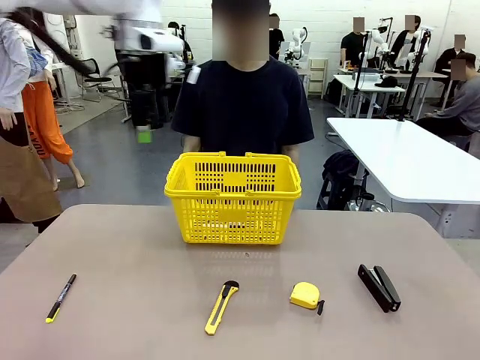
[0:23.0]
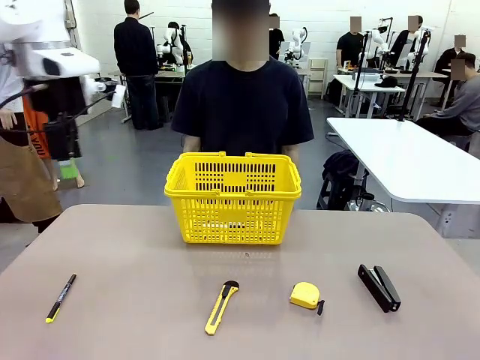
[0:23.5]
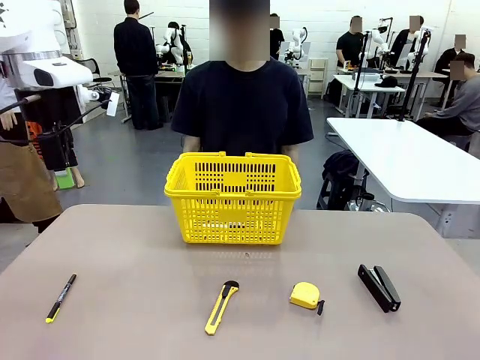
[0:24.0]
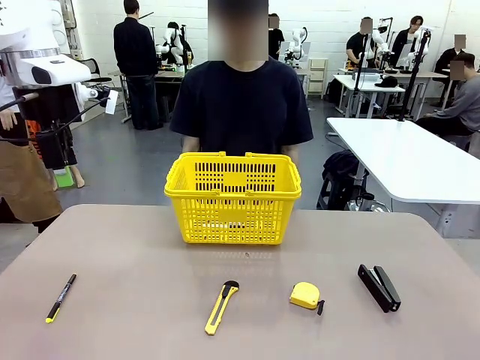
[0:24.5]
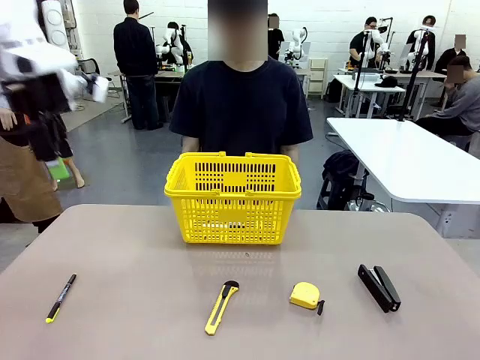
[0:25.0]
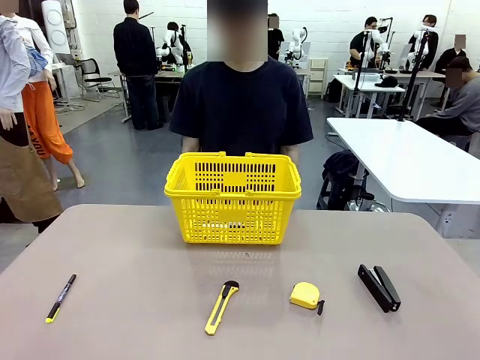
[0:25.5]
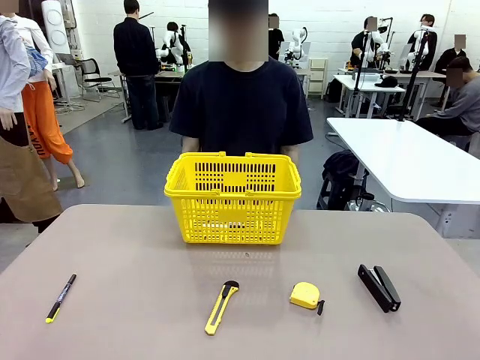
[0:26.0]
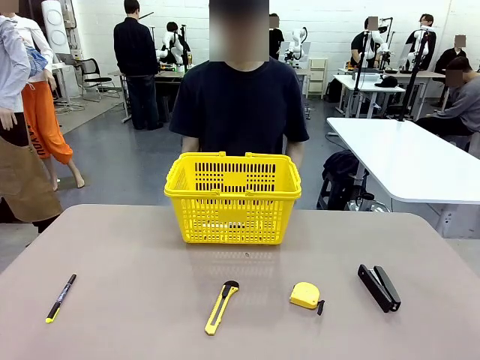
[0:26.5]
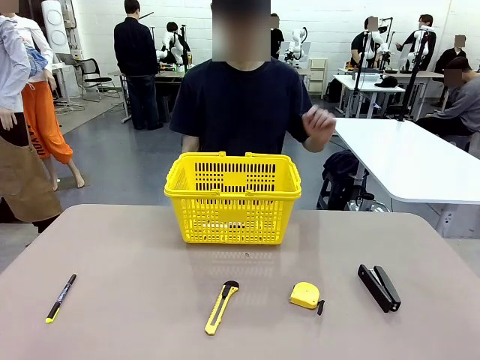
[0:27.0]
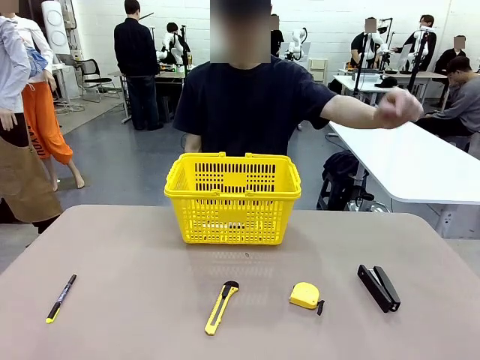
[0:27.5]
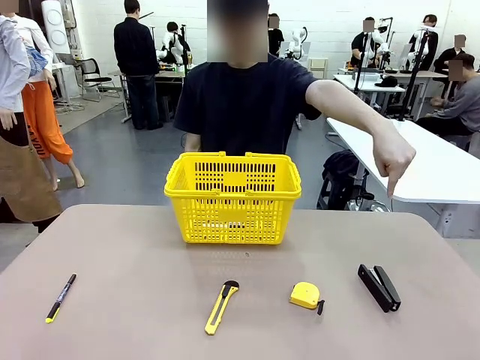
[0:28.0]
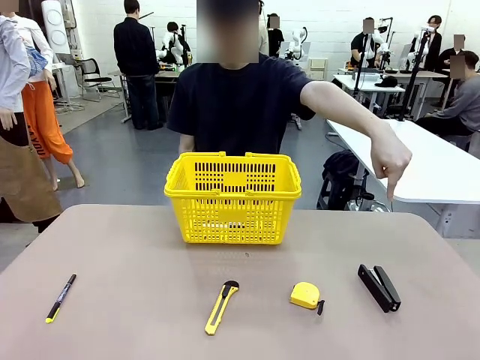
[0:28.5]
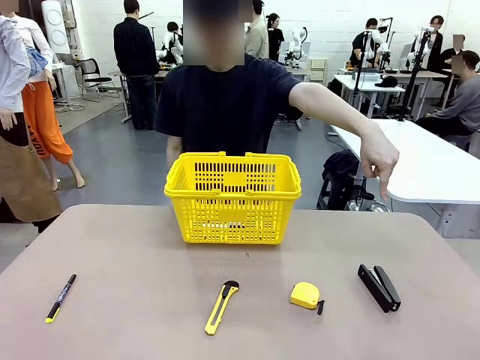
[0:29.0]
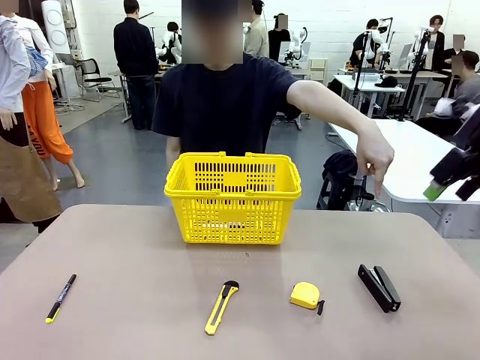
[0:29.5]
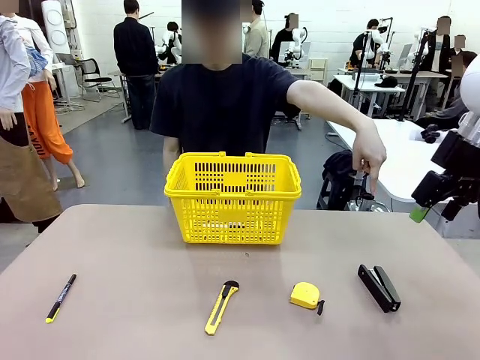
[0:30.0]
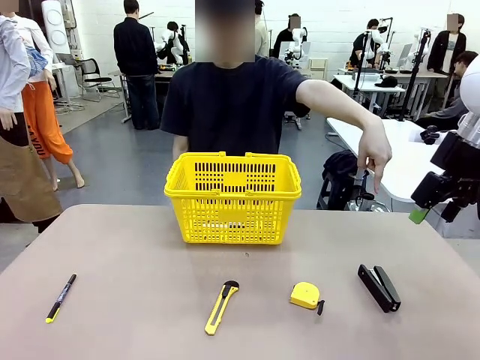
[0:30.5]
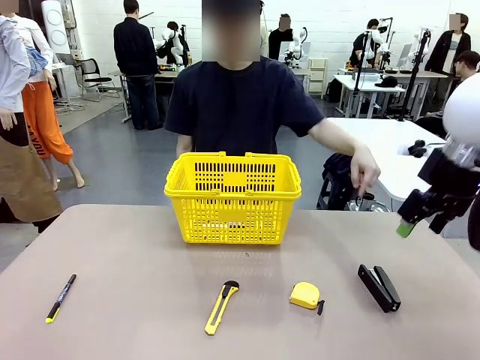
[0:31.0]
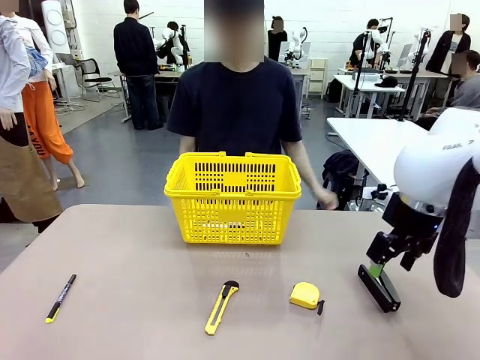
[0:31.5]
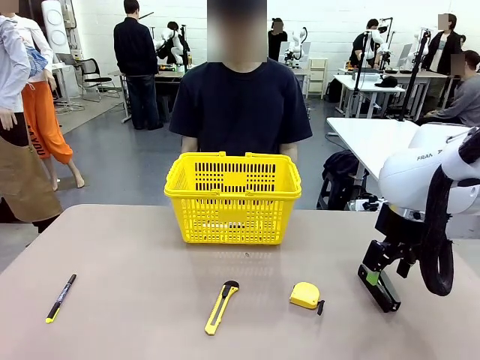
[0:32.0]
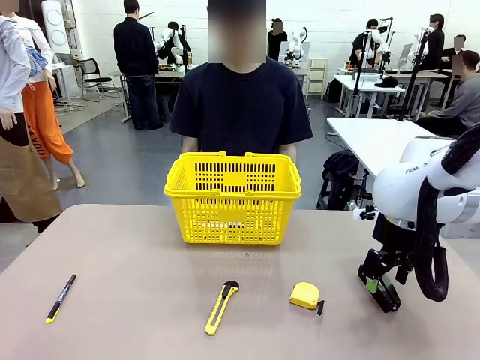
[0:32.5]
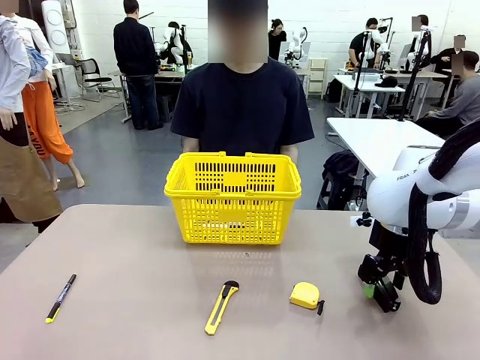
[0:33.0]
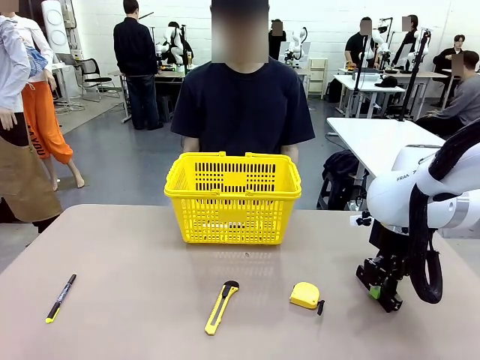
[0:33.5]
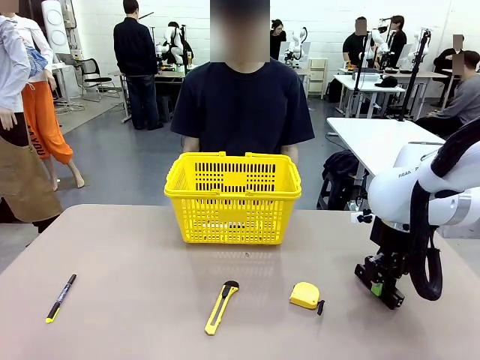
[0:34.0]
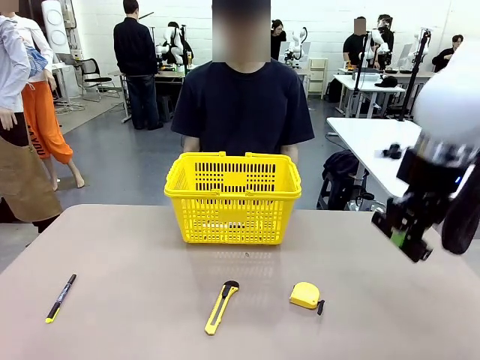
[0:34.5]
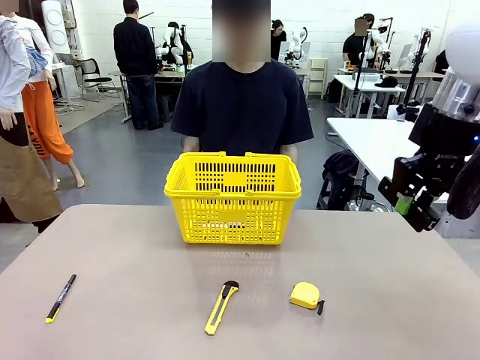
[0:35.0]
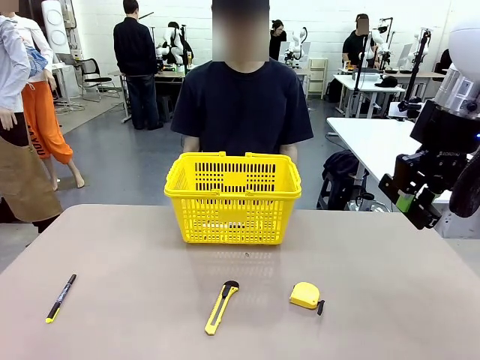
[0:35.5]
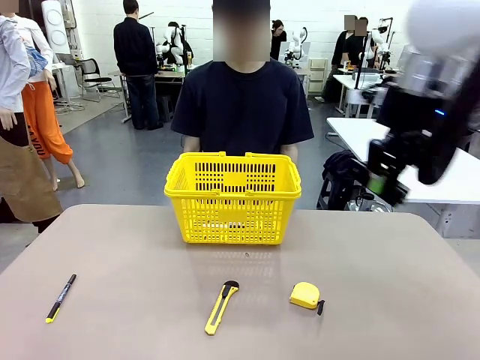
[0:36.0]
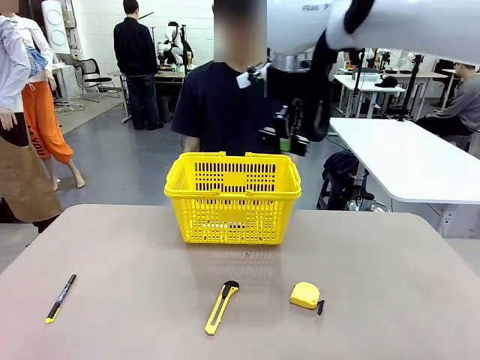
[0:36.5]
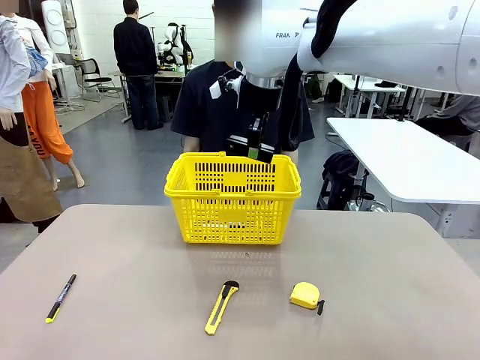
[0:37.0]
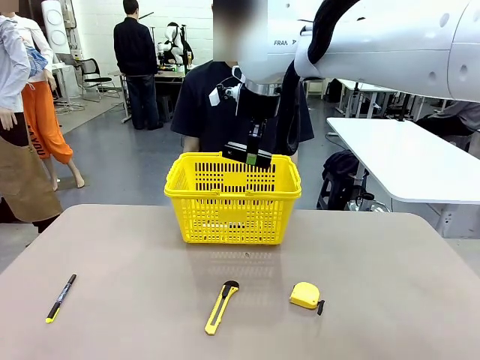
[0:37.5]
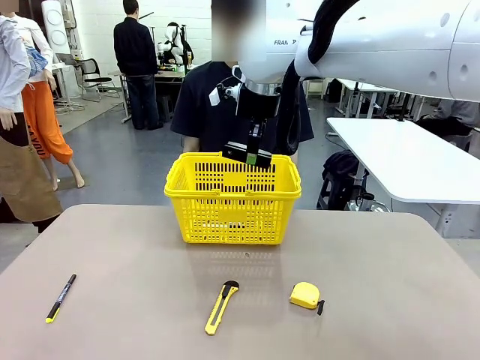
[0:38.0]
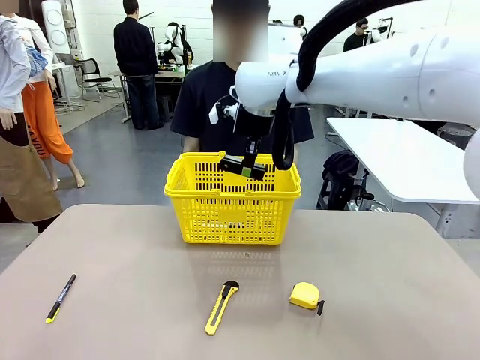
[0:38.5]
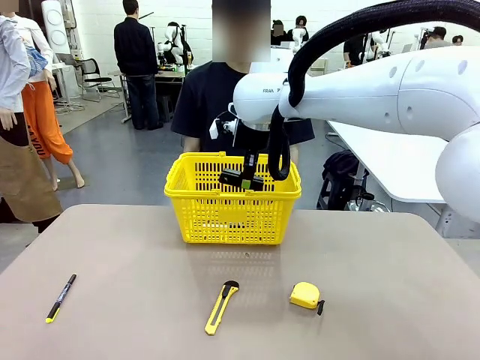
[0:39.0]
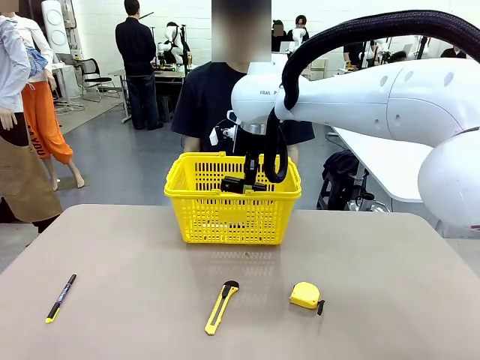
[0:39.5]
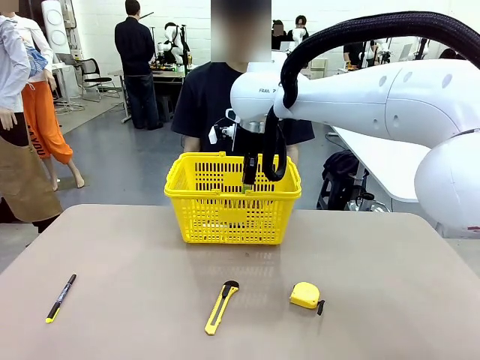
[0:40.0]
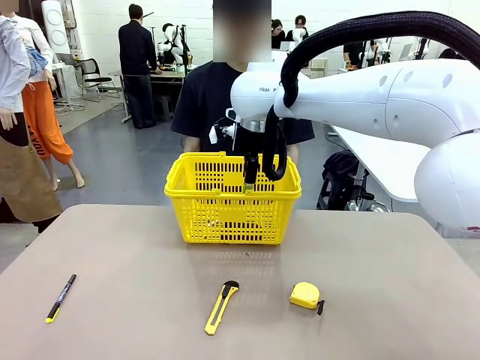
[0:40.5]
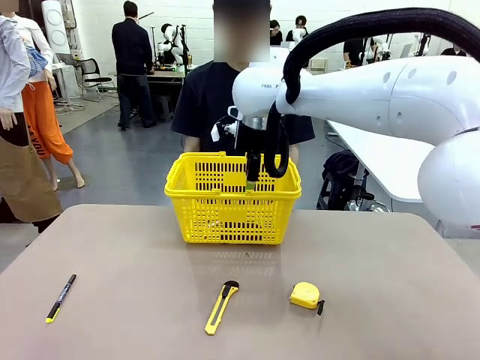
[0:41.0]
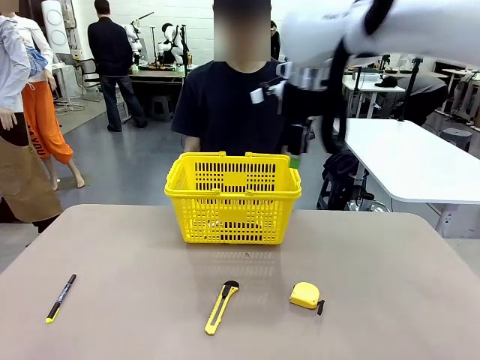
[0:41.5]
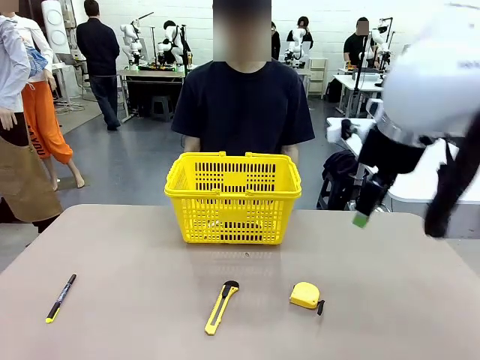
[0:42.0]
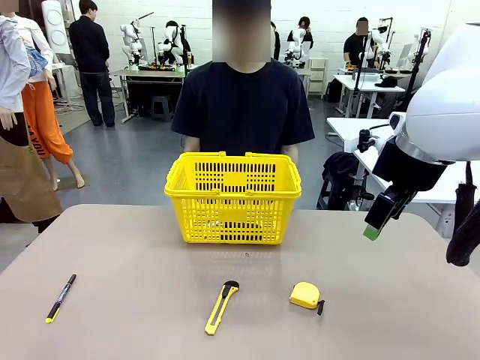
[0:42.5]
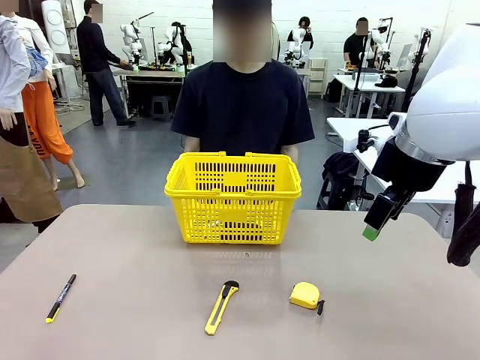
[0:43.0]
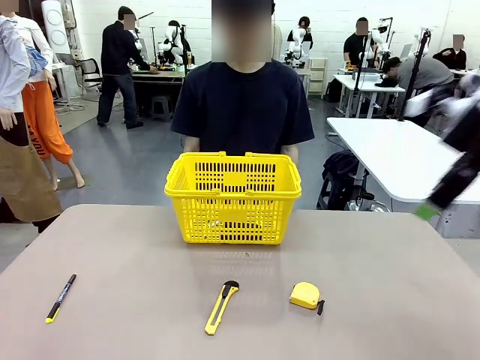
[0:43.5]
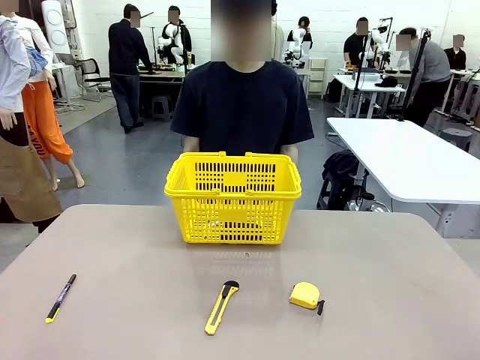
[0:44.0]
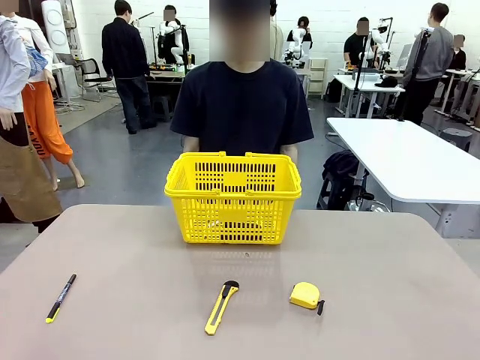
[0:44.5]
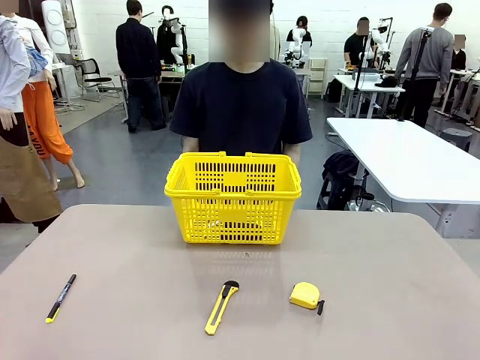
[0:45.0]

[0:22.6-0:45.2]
Task: Place the items the person wants into the basket.
Robot: Pick up the item the person points to and place it in the Market Basket.
